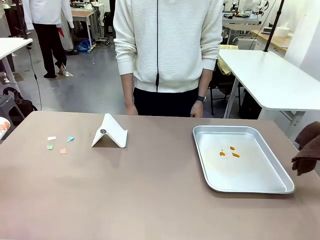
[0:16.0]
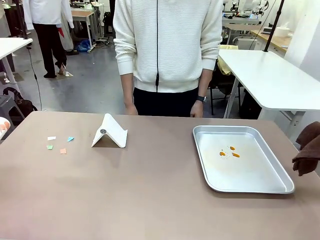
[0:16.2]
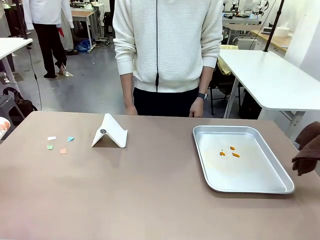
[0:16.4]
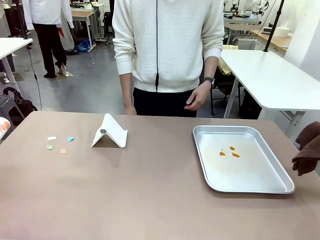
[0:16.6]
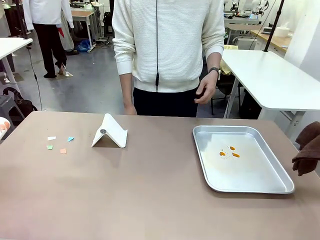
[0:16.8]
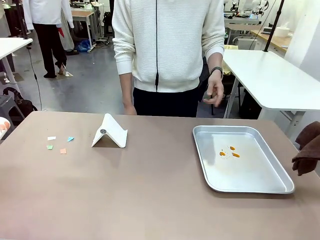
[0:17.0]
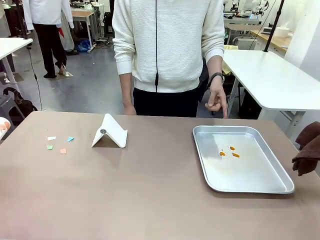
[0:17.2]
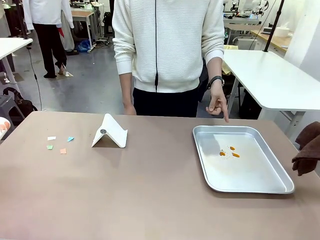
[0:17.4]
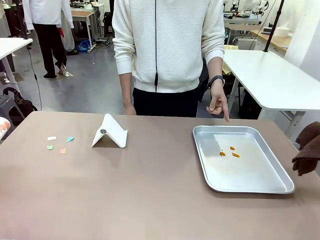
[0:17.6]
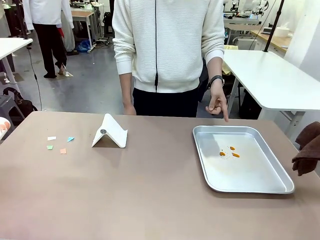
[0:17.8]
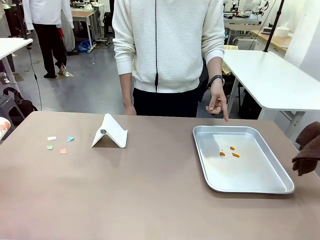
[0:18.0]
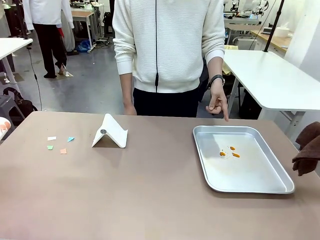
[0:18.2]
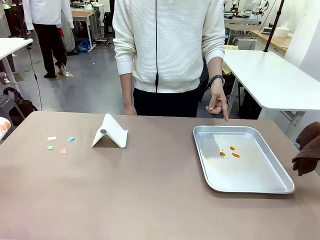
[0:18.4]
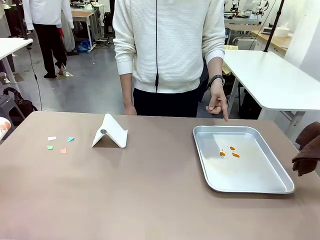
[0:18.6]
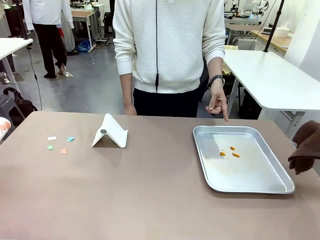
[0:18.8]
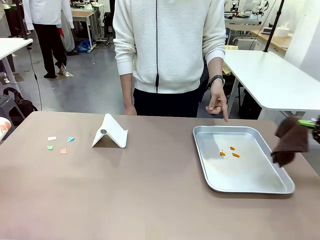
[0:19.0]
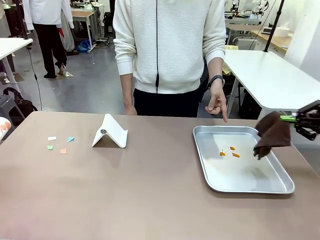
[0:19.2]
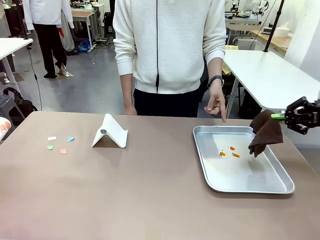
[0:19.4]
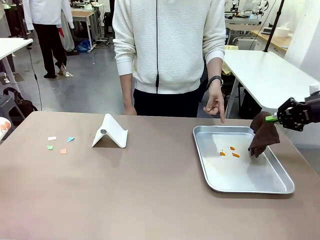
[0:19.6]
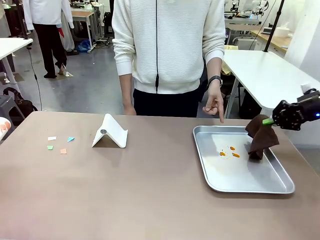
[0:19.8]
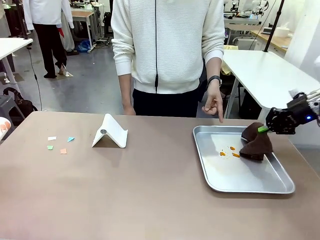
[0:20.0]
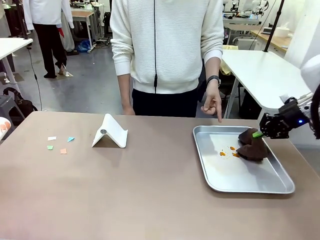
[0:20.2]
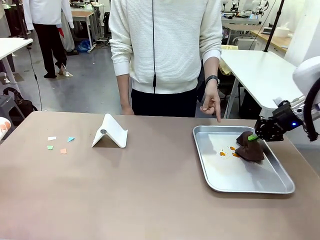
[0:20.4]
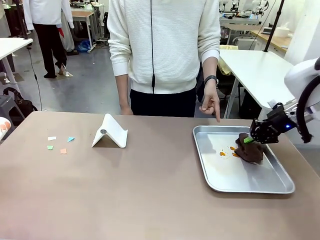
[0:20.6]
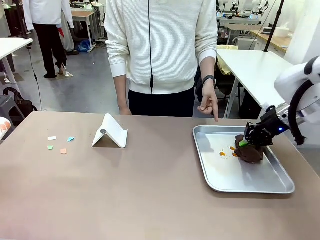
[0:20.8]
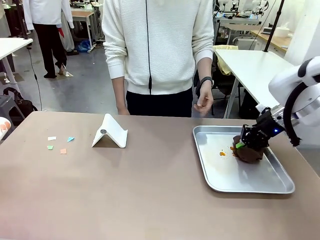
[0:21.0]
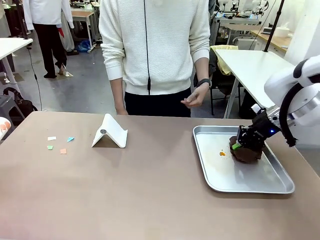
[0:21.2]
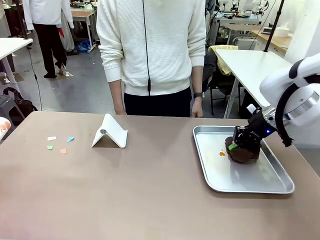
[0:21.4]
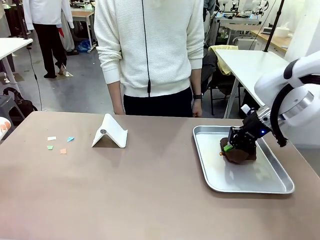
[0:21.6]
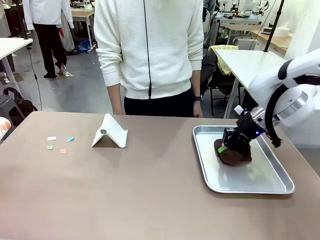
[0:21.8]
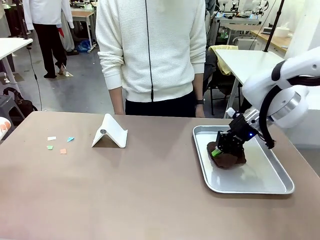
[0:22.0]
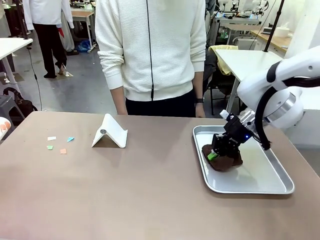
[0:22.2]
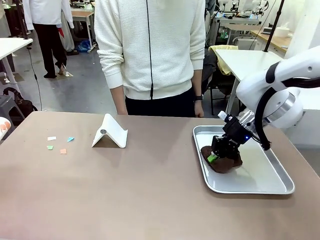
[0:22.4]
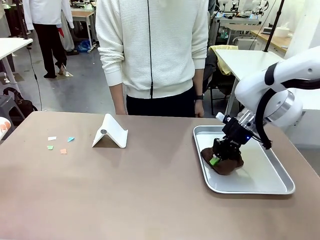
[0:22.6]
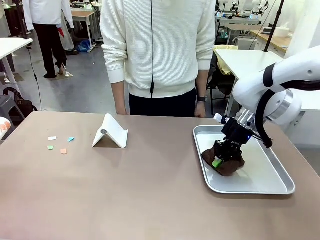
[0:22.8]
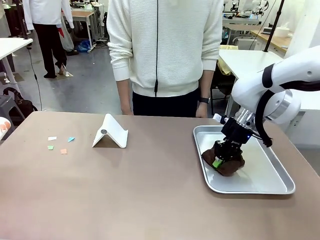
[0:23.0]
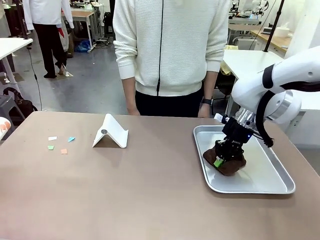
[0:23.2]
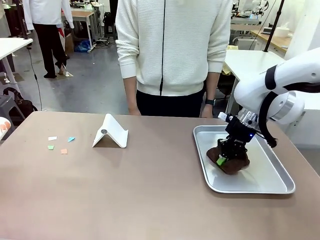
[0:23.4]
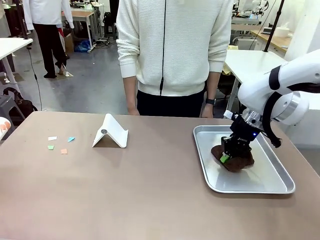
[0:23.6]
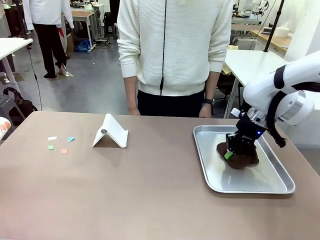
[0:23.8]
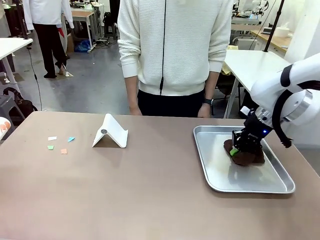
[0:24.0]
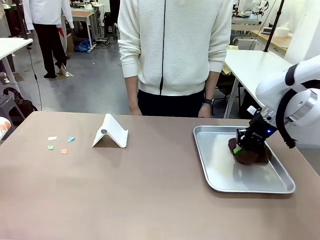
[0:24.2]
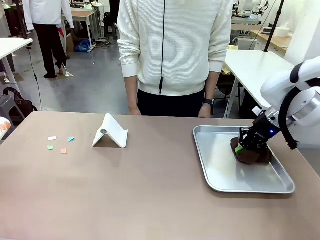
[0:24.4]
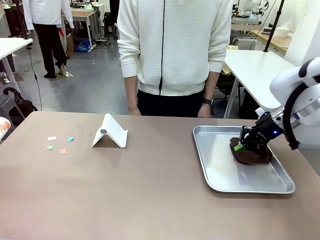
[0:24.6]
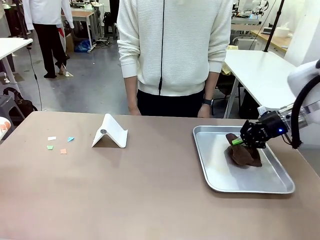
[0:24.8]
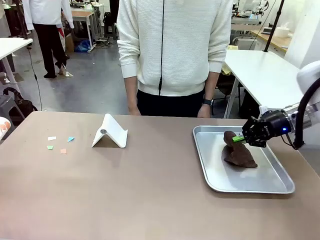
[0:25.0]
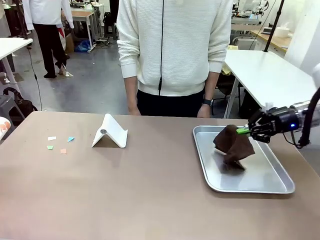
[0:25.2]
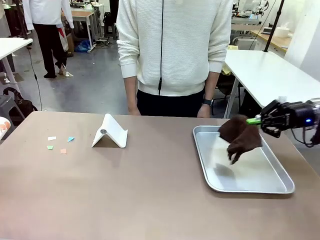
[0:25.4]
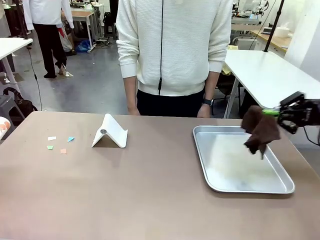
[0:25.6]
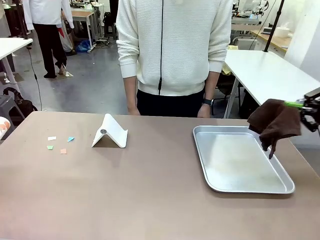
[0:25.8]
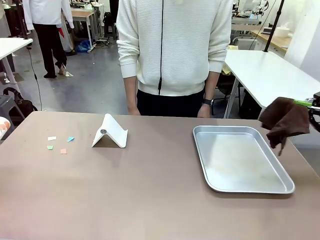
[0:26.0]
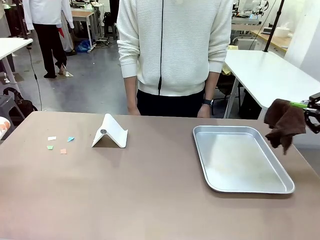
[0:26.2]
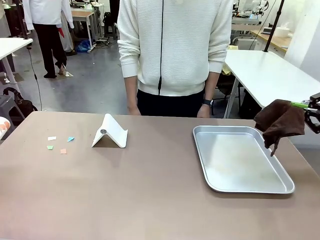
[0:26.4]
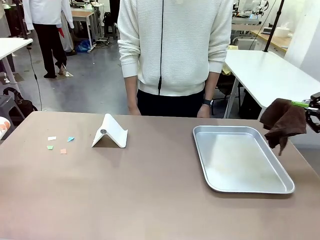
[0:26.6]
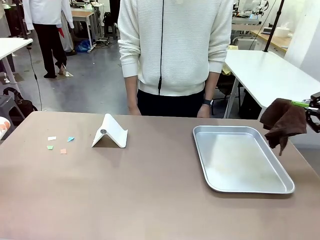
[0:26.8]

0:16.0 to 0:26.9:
Task: Clean the surface of the table.
Robot: If a person points to the right, clean the right side of the table with your right hand, and if they point to the left, clean the left side with your left hand.

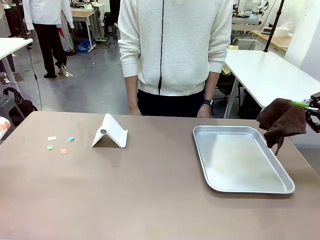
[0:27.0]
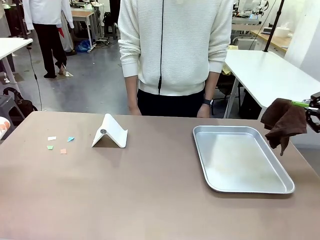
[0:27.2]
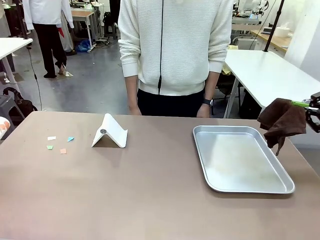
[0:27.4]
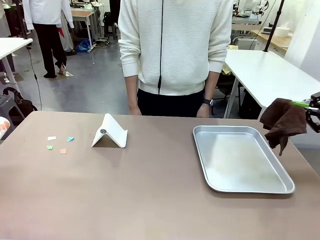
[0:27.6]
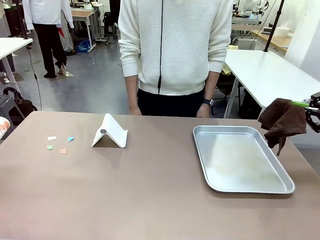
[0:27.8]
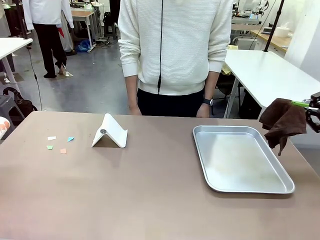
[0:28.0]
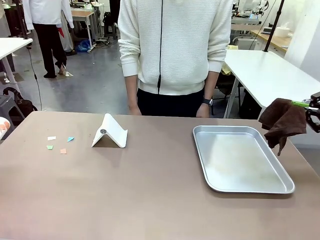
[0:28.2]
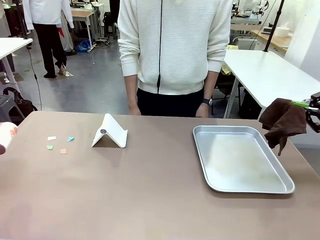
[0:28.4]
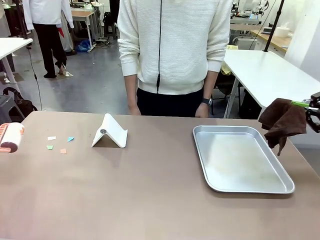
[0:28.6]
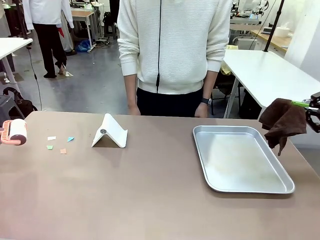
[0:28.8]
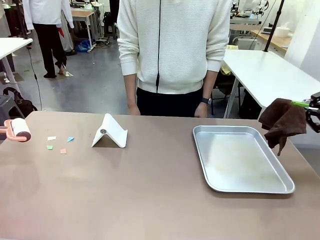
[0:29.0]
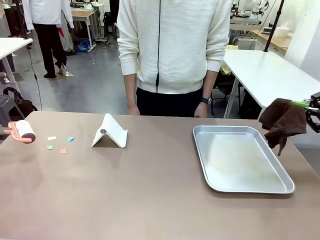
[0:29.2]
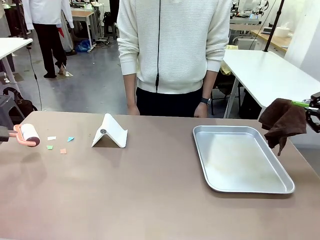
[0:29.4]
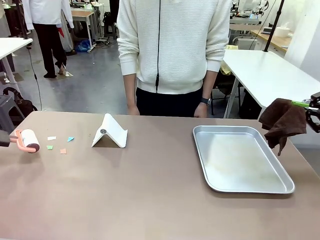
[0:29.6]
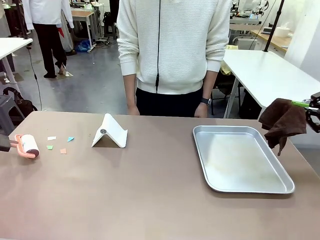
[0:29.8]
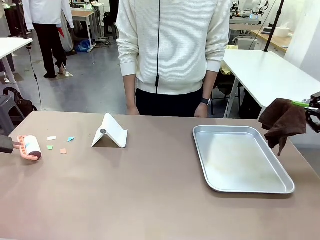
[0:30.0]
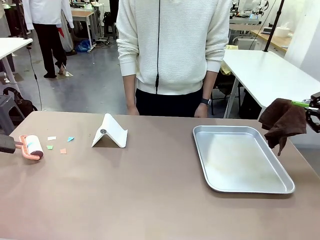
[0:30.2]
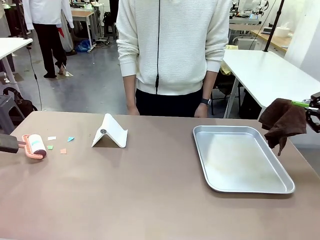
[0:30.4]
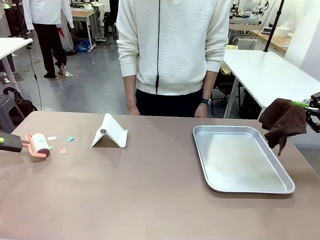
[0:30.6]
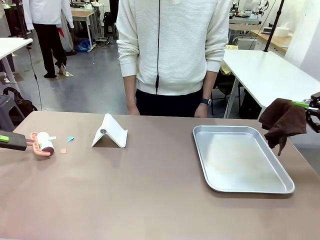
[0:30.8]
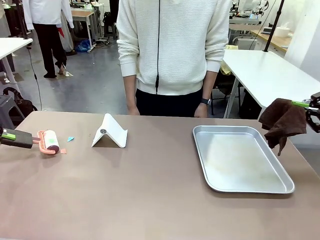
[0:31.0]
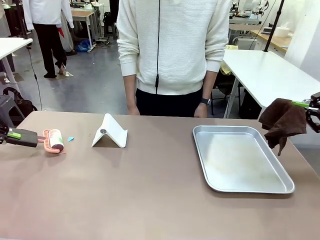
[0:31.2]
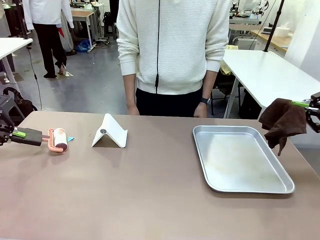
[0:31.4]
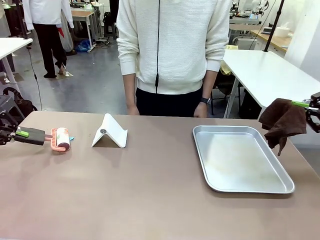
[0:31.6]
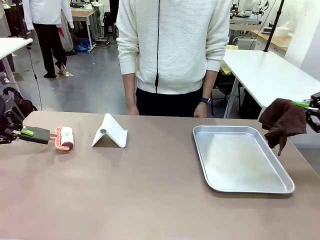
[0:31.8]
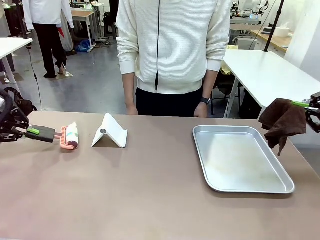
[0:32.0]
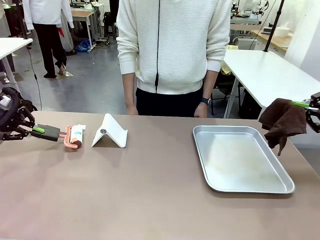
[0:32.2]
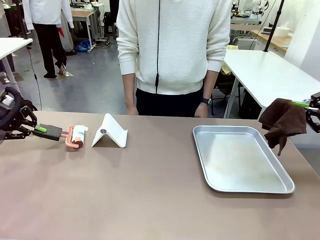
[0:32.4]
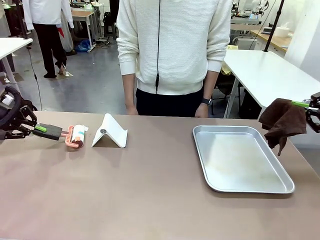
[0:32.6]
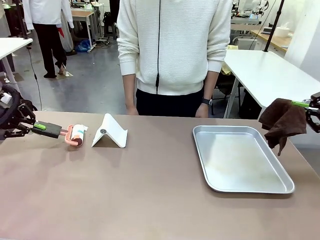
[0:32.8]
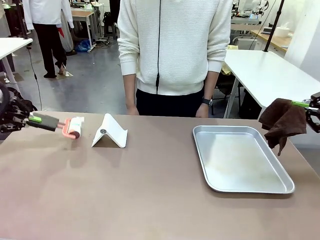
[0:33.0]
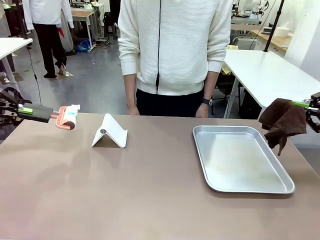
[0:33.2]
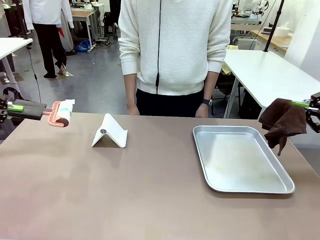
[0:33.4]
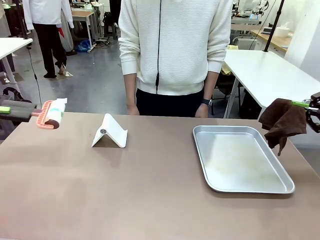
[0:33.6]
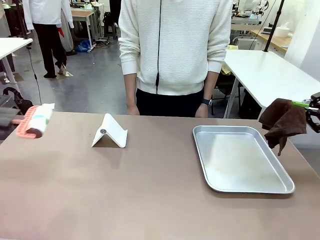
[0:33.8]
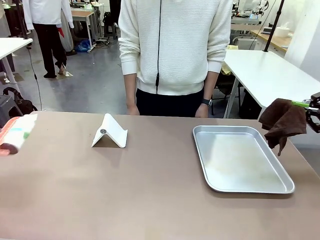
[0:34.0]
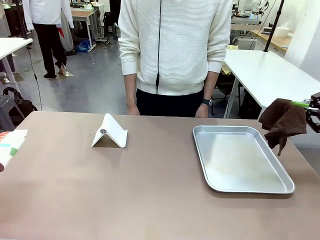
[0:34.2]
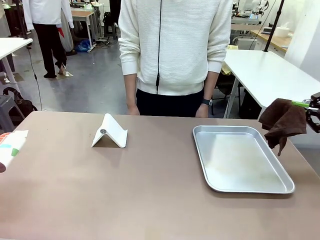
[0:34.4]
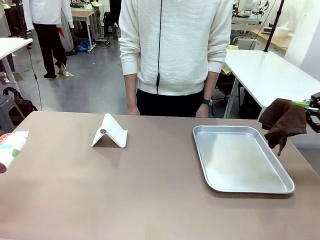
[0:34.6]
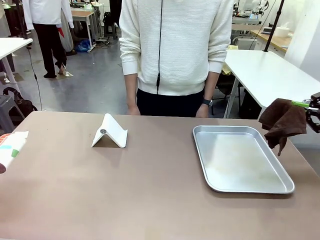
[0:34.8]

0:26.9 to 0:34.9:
Robot: Clean the area not pointed to by the person.

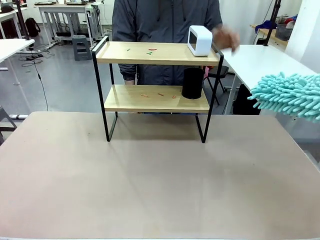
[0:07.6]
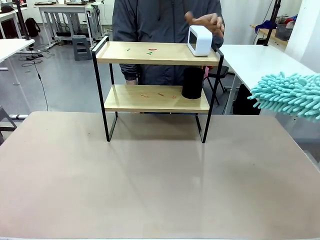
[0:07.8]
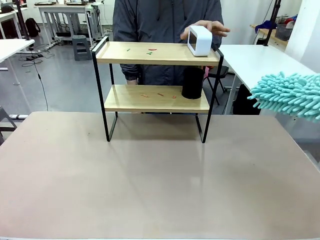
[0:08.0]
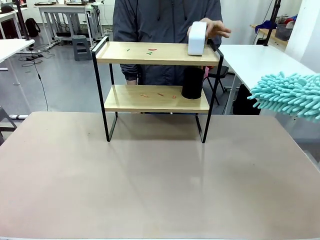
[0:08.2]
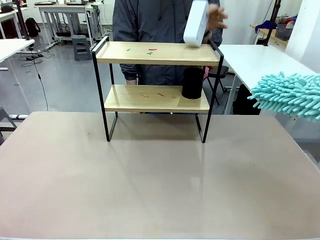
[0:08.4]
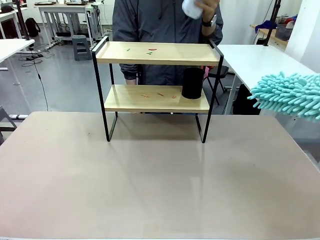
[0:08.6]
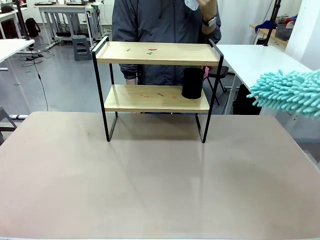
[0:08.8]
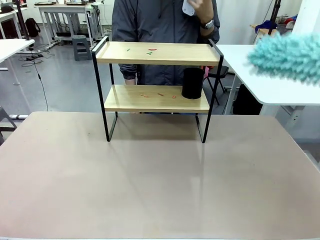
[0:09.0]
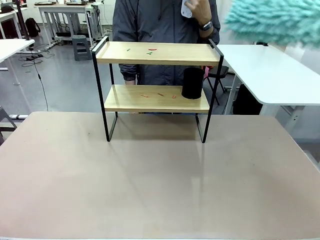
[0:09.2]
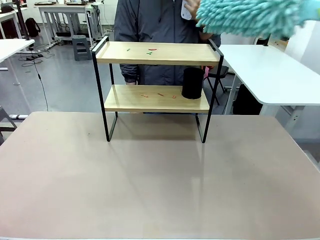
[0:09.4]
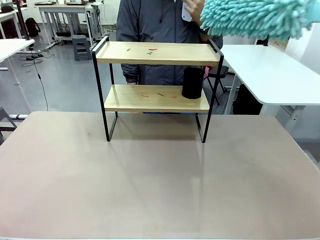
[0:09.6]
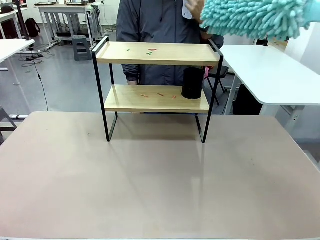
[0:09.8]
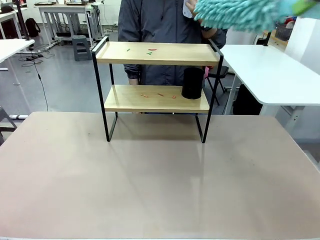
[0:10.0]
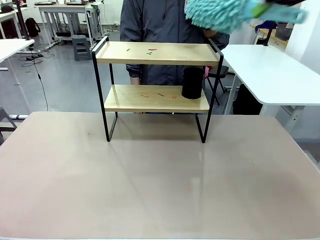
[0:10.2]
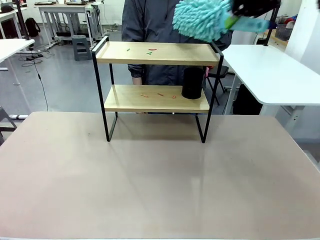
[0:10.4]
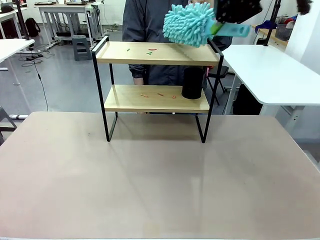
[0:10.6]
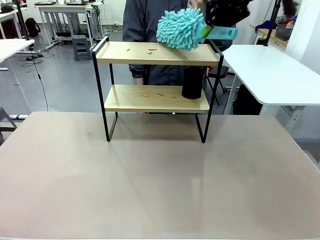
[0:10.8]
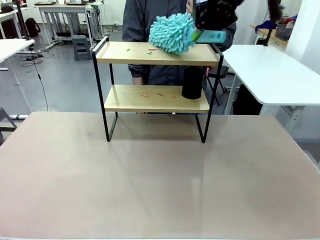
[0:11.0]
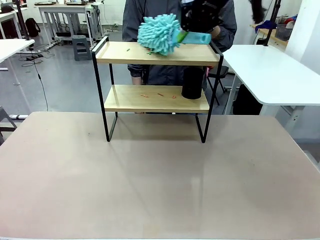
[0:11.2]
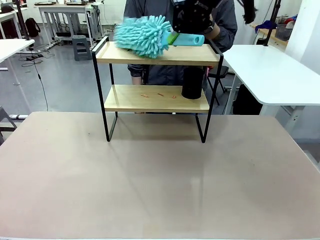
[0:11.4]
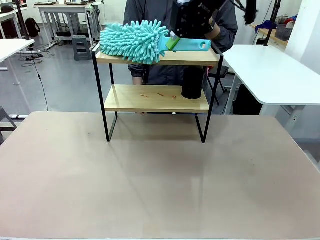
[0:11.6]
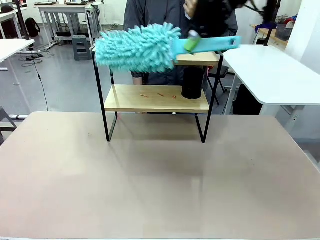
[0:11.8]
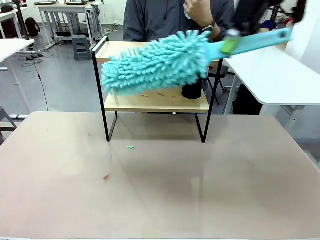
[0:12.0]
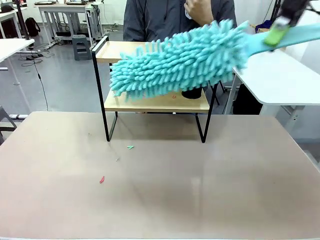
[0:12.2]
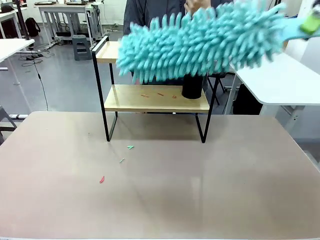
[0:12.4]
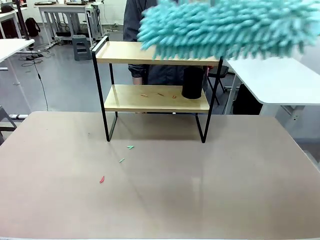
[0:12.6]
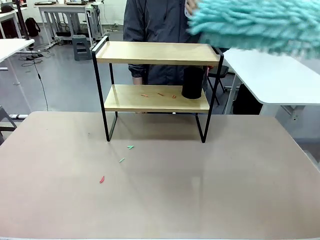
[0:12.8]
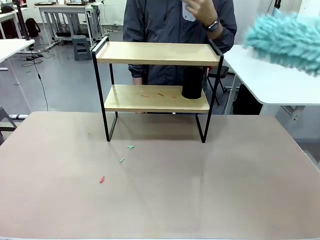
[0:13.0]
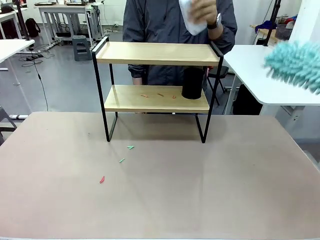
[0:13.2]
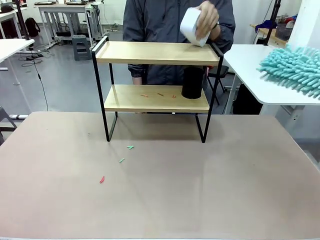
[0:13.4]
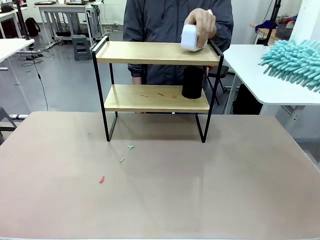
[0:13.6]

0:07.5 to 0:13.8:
Task: Clean the shelf.
Robot: Clean the specific tier of the Shelf with the Duster once objects are removed.
Person: Lift the objects on a randomly selected tier of the Shelf. Once the robot finishes cleaning, lift the objects on the remaining tiers of the Shelf.
